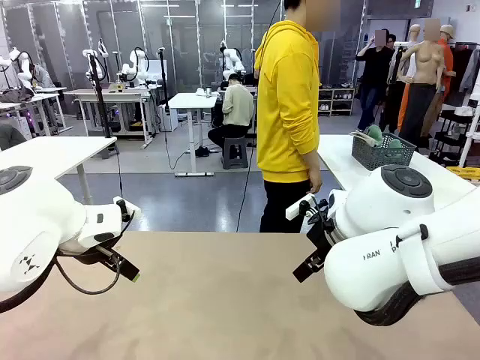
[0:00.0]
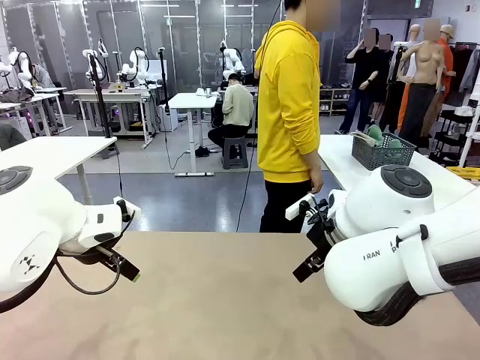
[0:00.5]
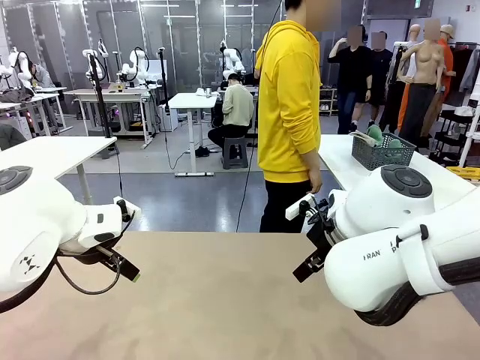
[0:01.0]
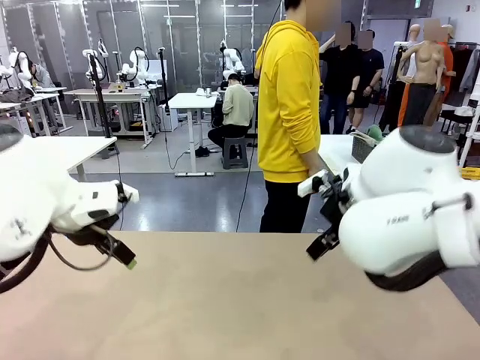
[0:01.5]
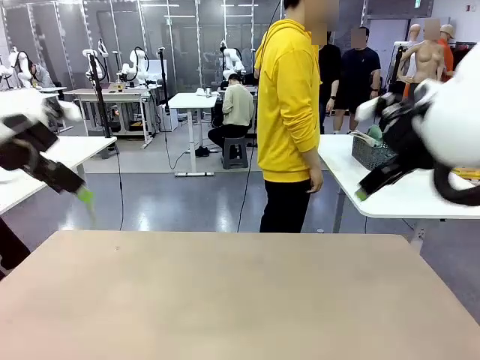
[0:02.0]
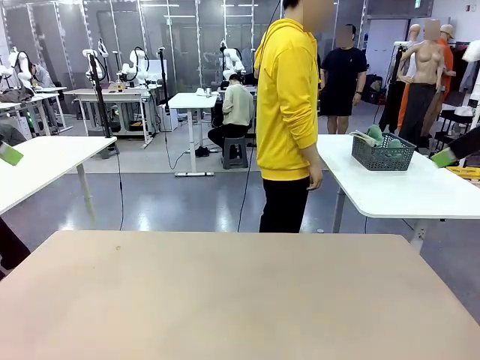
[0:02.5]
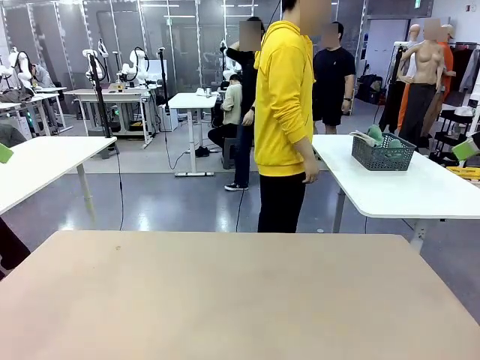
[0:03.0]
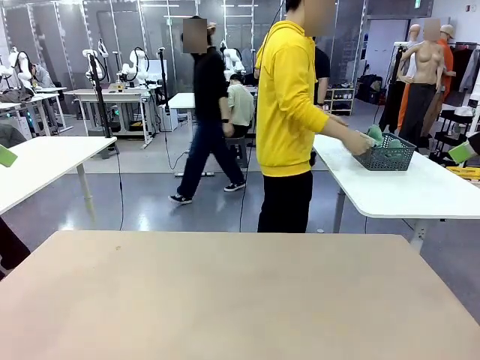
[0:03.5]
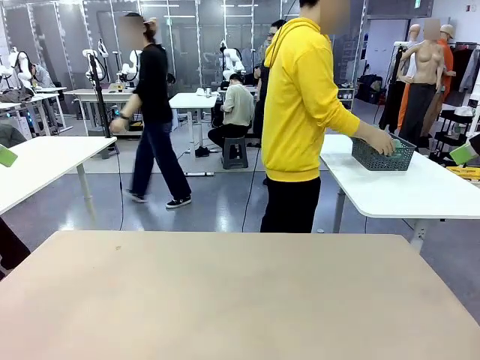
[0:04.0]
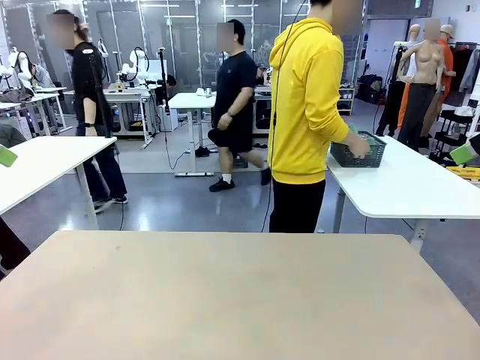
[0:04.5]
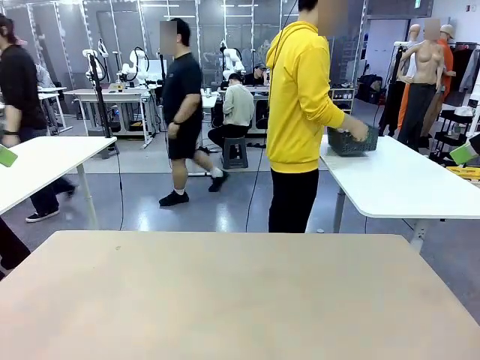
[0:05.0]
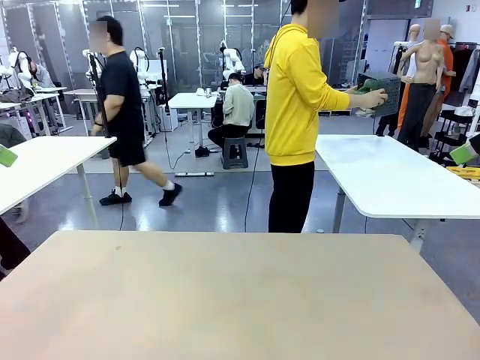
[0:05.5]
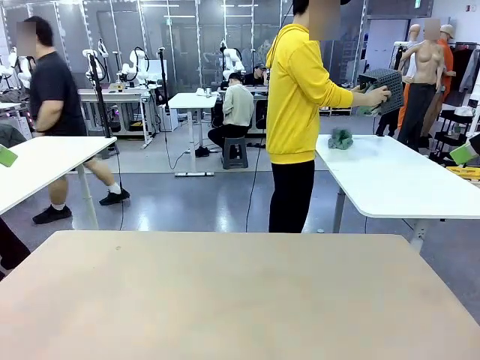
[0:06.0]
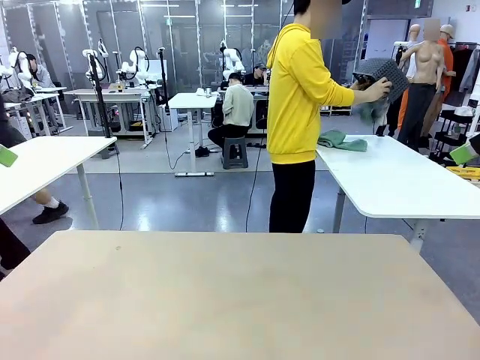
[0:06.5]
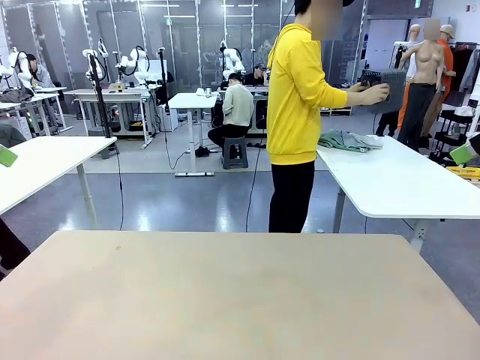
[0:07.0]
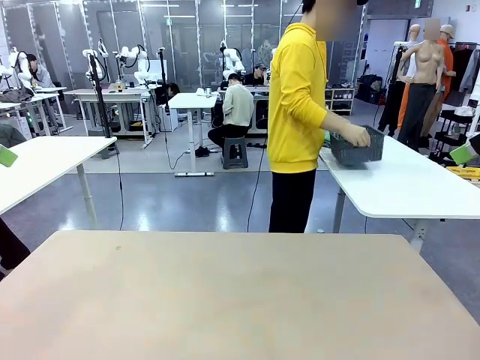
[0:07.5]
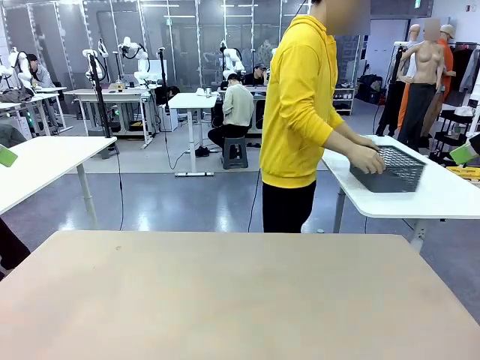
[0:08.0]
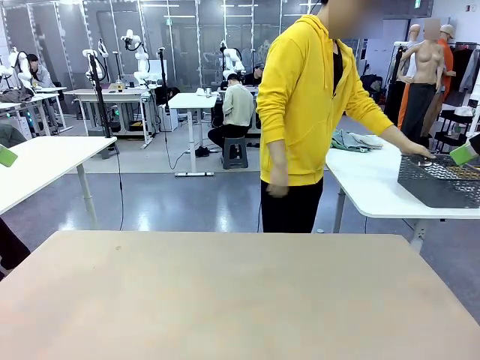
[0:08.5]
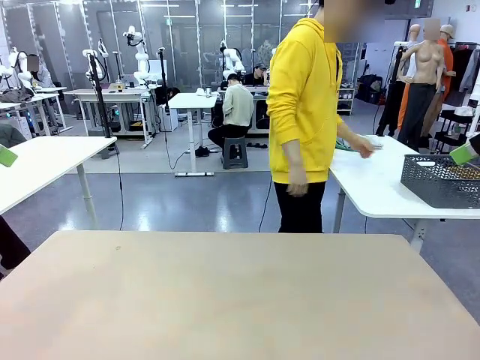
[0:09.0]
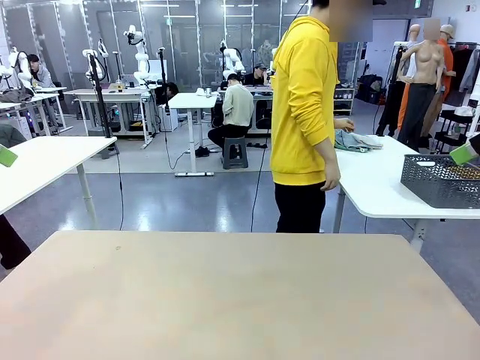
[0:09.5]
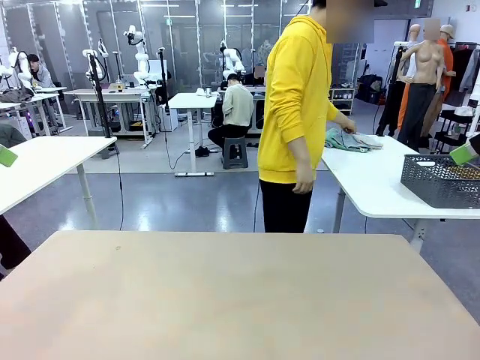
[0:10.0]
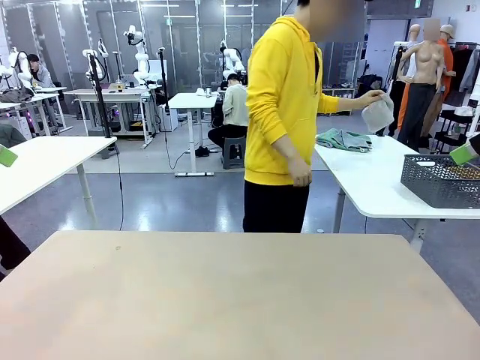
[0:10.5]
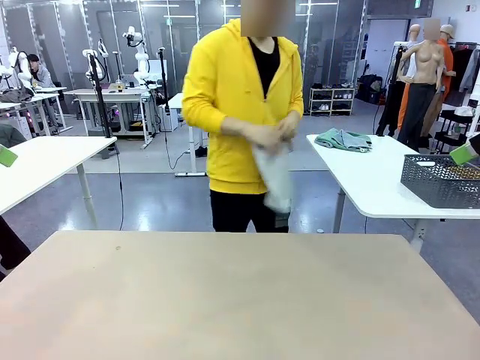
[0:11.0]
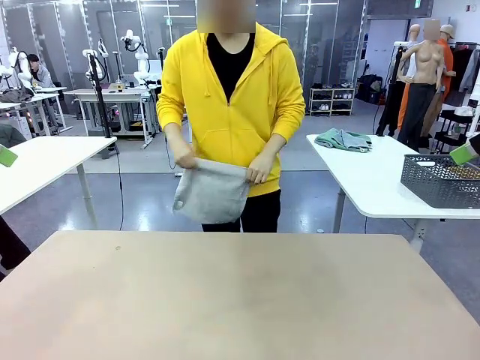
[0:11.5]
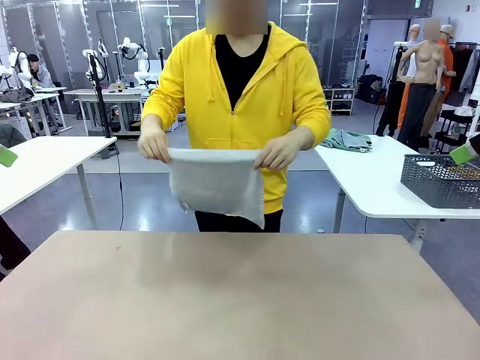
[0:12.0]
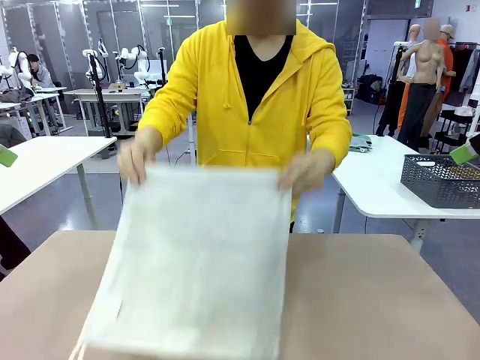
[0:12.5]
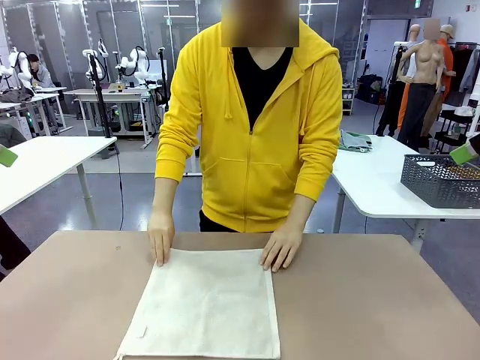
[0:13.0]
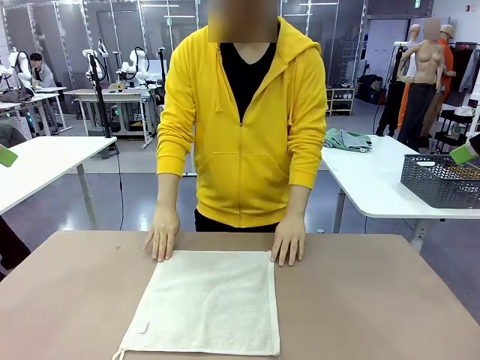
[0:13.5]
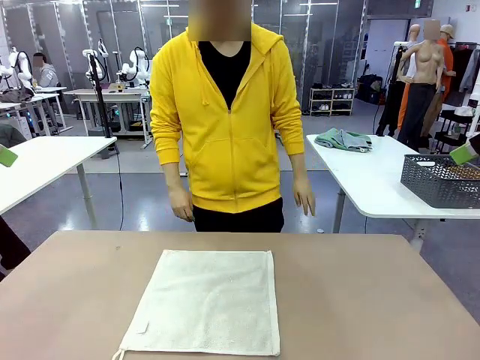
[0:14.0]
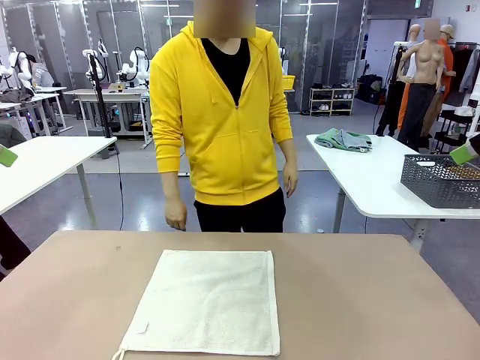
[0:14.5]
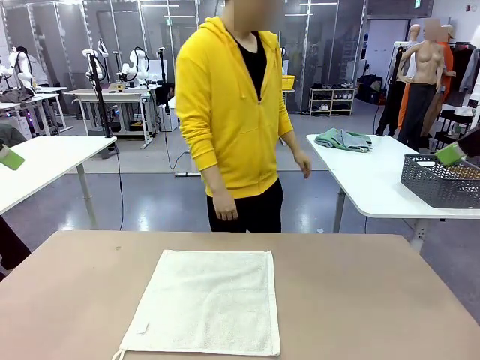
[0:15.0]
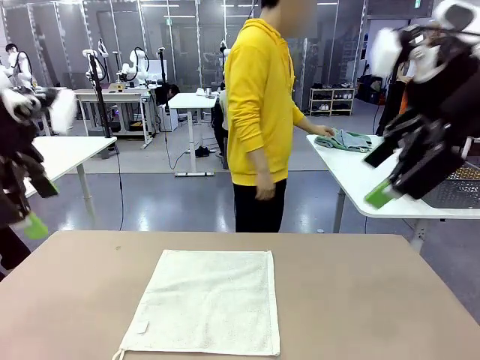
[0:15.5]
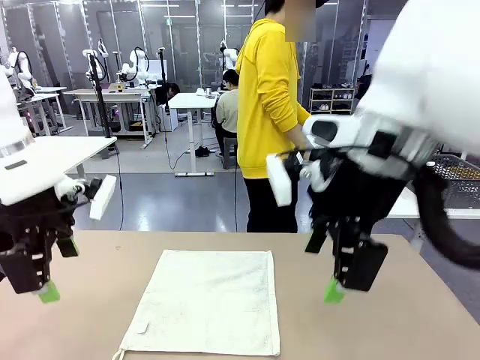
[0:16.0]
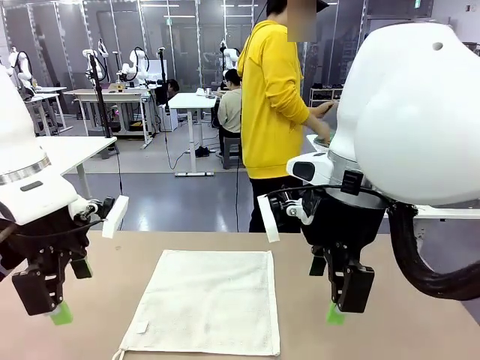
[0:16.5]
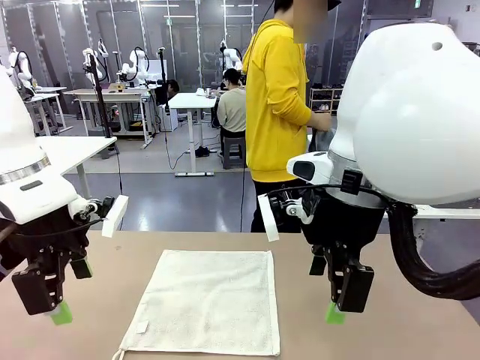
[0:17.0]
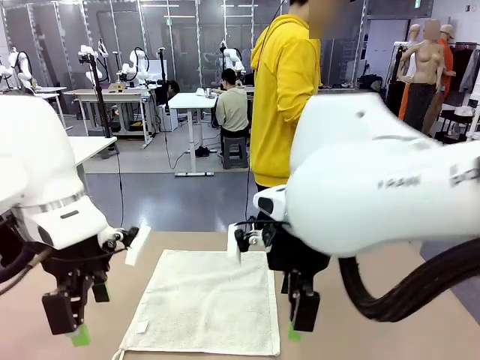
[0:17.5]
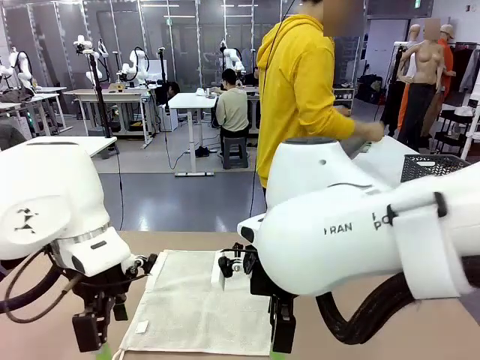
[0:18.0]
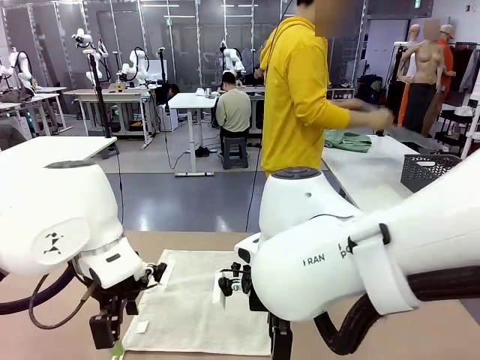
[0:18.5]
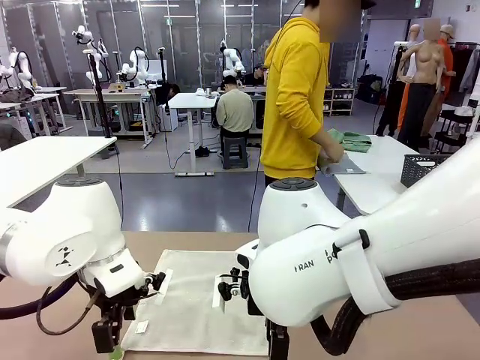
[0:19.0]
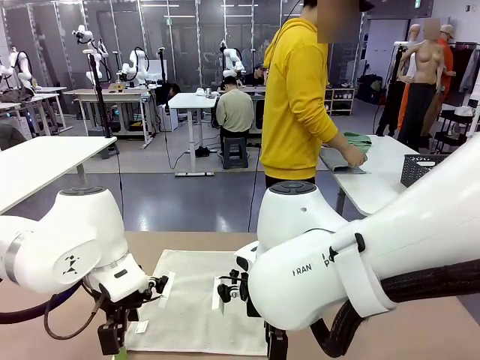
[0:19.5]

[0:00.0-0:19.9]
Task: Fold the towels and place them in the basket.
Robot: When a person lays out a Towel with hook on the table, fold it in half twice.
Person: Pick up the basket, pour the towels onto the left side of the human table, and place the basket on the right side. Pick up one towel and spread it out at the center of the robot table.
